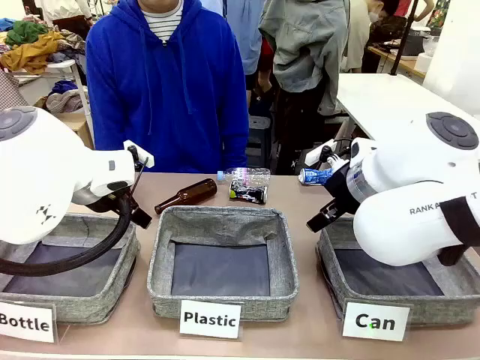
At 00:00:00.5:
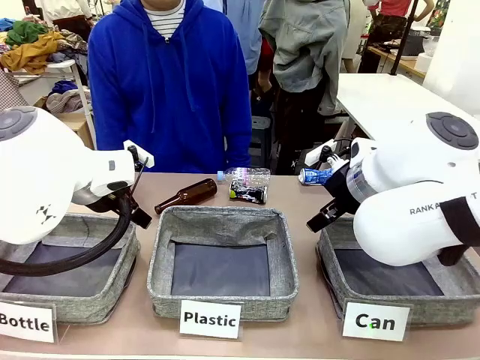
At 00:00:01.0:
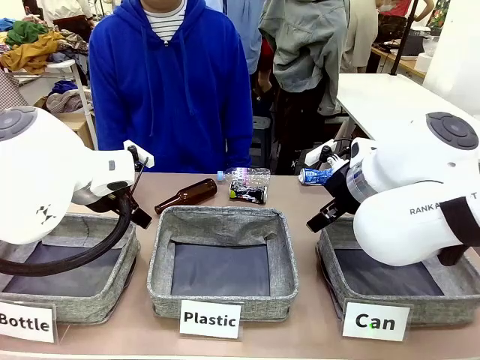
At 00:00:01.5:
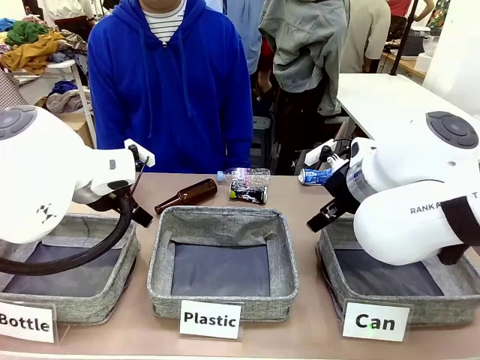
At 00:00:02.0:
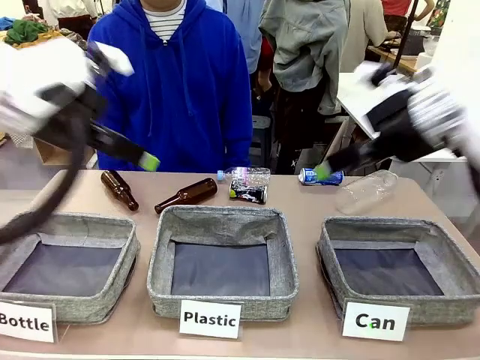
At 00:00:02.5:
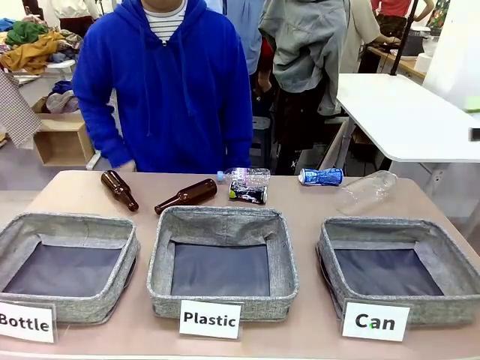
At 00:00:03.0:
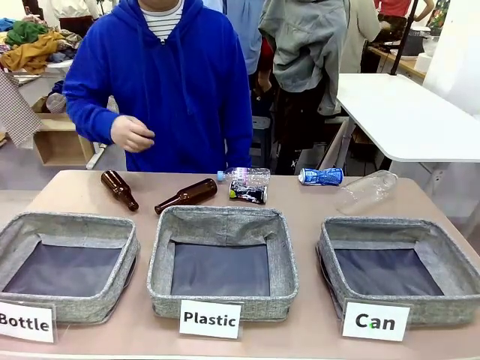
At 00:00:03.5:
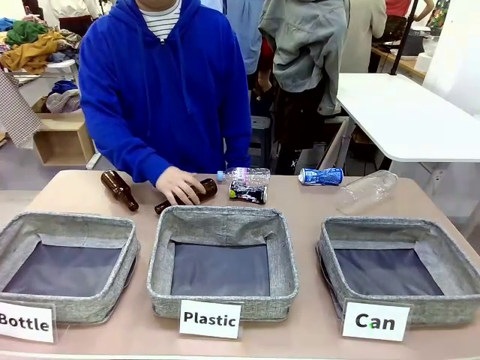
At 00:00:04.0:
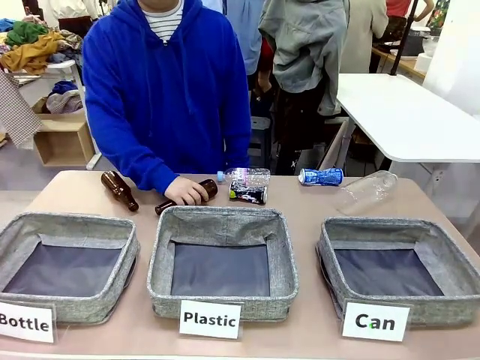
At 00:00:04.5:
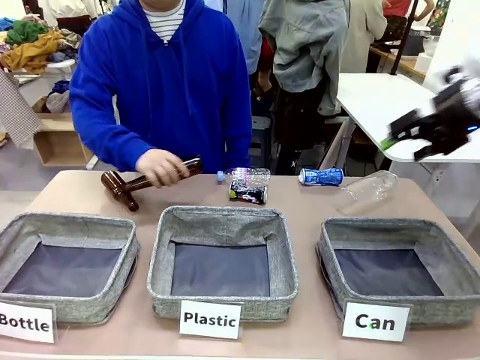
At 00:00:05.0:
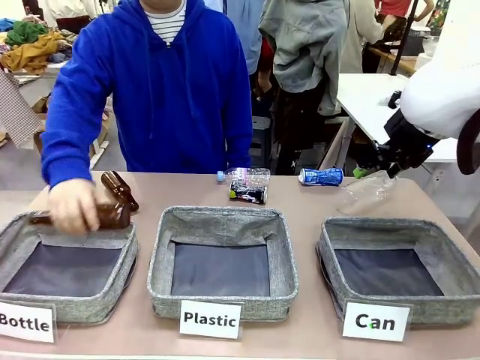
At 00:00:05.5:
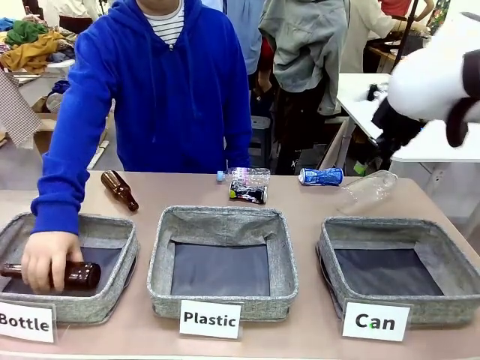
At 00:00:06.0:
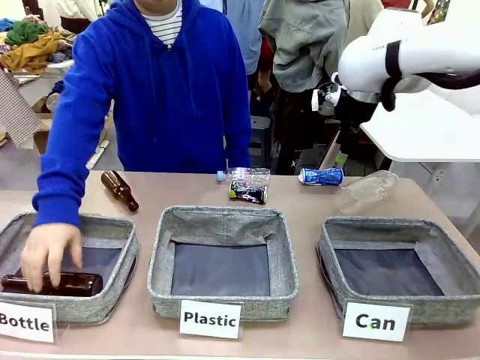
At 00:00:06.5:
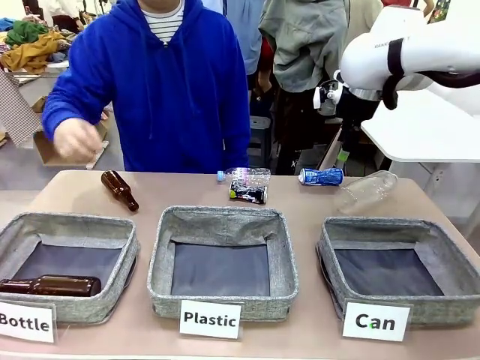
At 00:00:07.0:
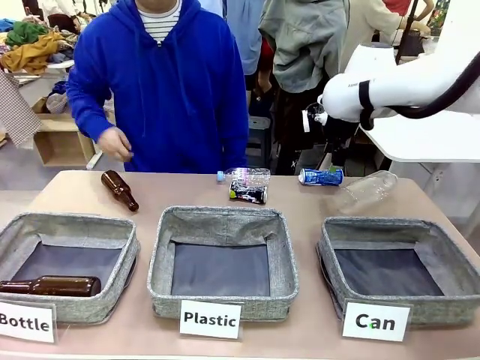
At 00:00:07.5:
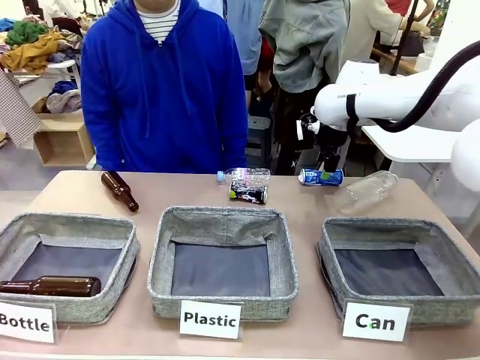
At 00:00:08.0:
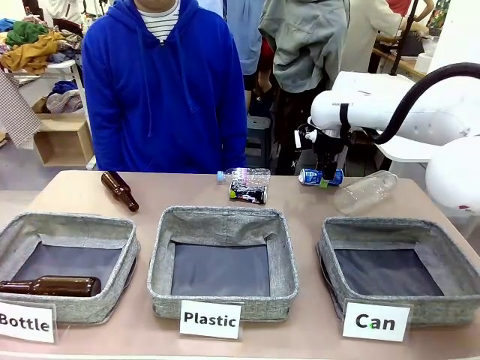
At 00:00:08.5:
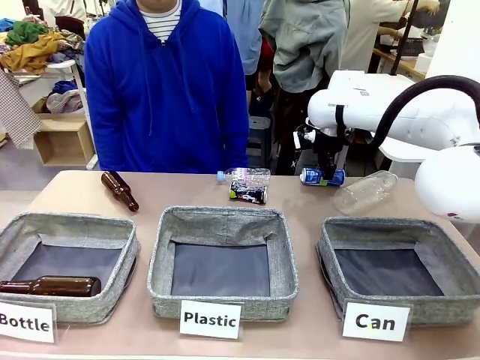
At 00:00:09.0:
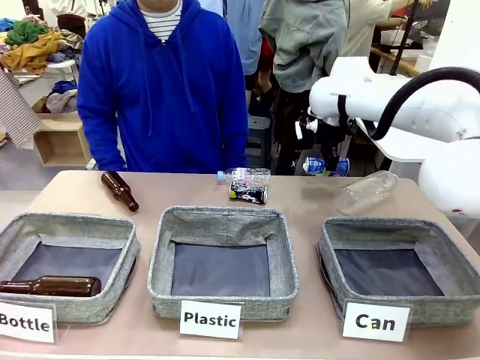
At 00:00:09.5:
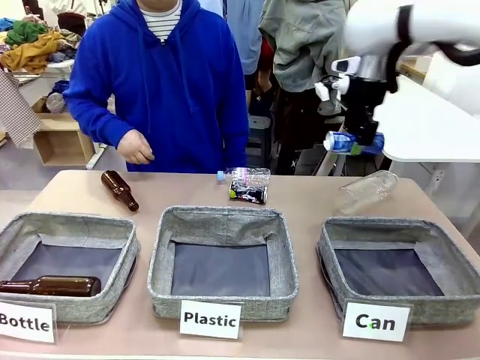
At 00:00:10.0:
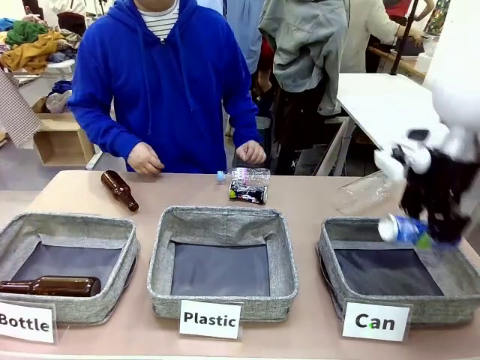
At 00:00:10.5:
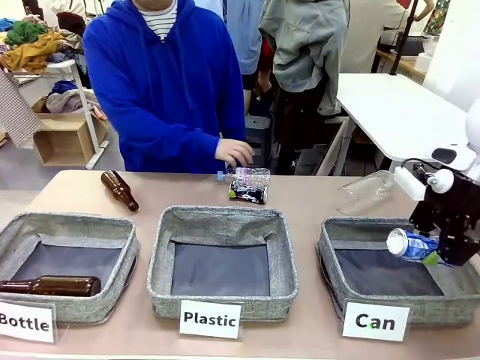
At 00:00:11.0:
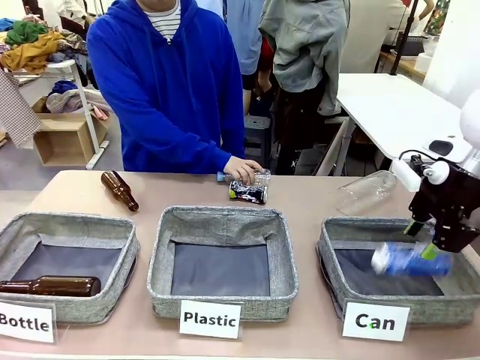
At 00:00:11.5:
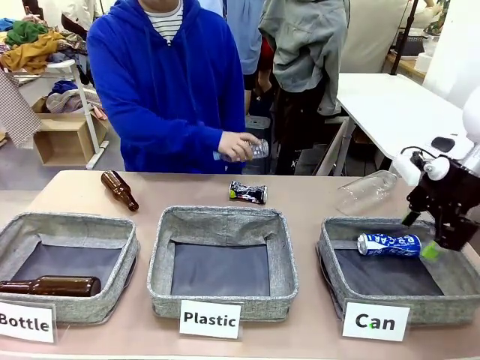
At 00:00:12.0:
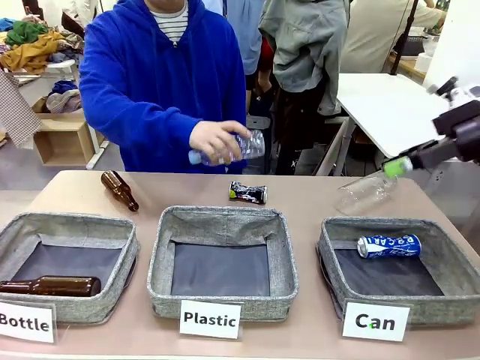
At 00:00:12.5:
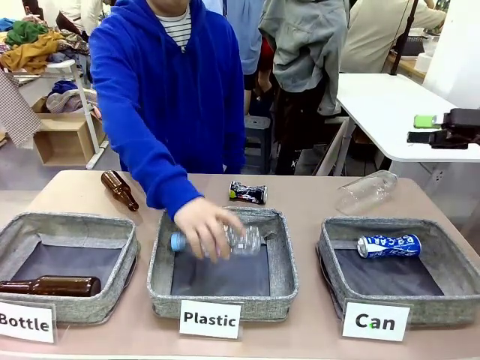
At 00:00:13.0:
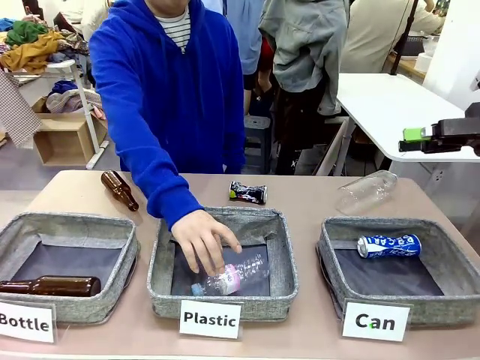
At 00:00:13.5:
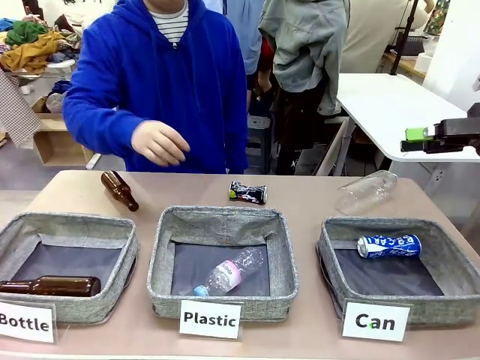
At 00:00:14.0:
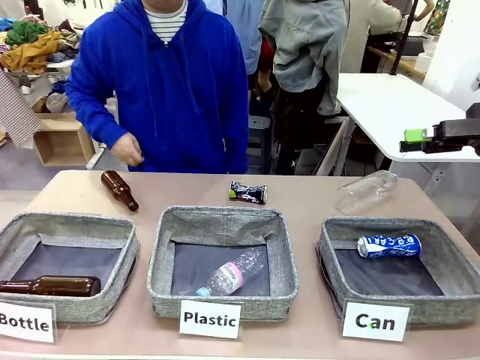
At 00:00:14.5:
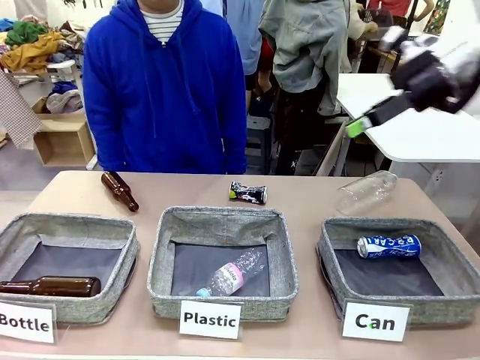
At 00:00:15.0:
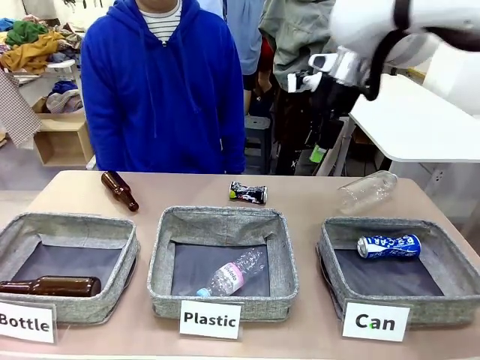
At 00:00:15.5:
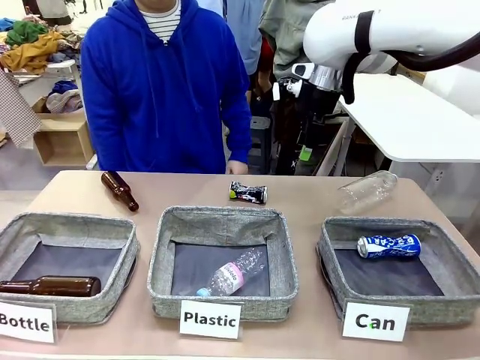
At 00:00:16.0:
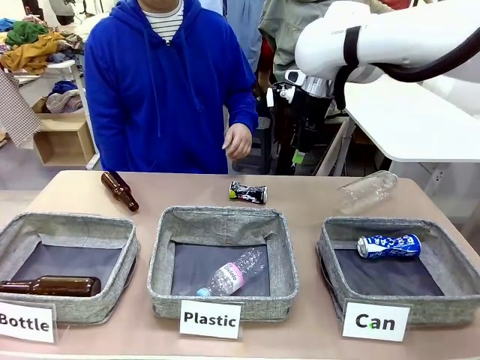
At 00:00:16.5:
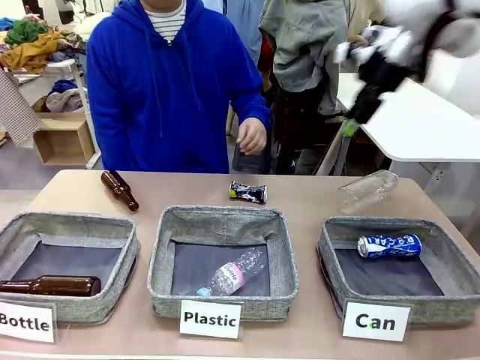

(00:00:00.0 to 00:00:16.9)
Task: Sort the can waste into the basket.
Robot: Pick up the can waste from the table and place it in the right Fabric basket.

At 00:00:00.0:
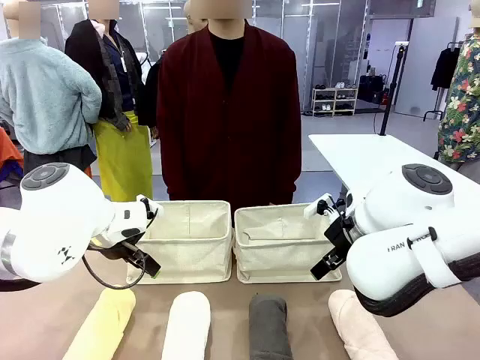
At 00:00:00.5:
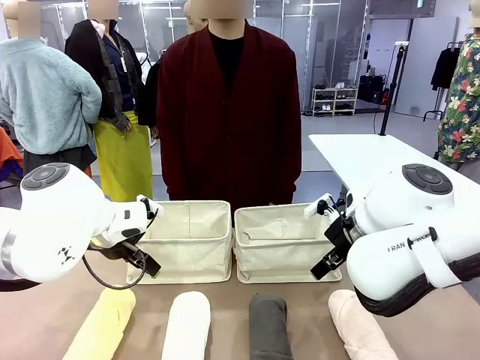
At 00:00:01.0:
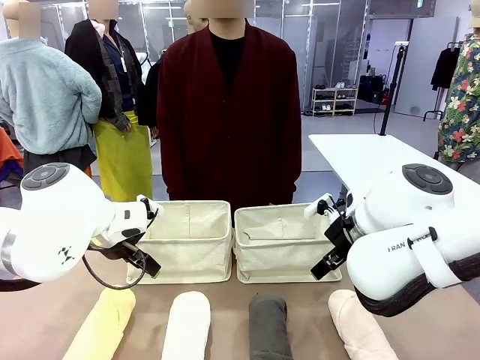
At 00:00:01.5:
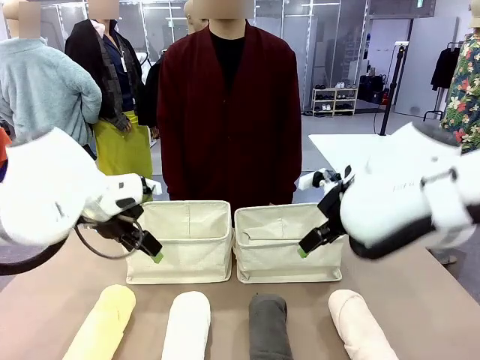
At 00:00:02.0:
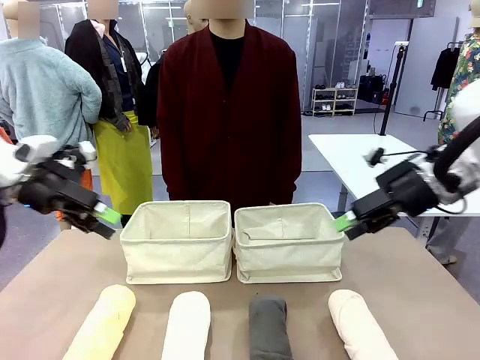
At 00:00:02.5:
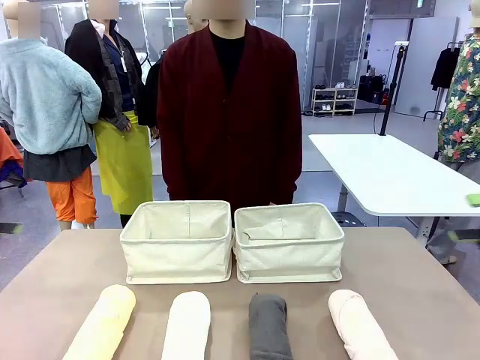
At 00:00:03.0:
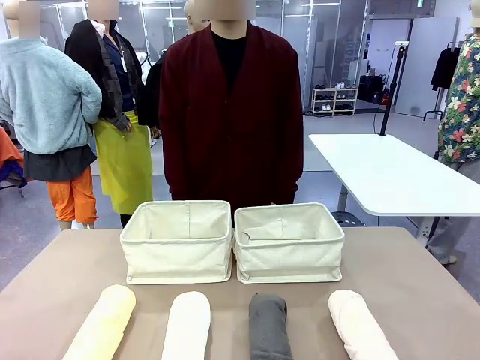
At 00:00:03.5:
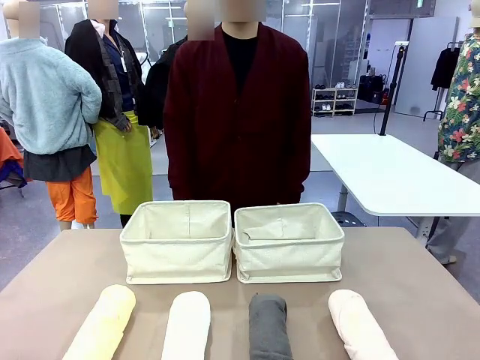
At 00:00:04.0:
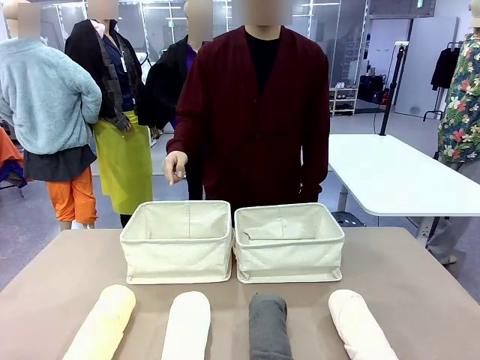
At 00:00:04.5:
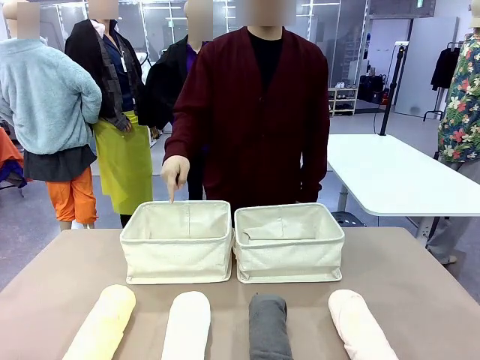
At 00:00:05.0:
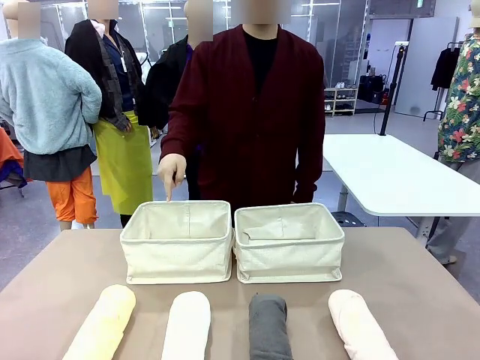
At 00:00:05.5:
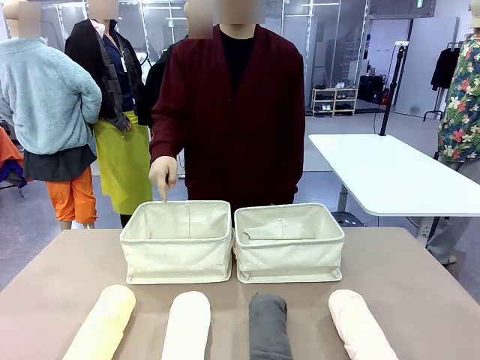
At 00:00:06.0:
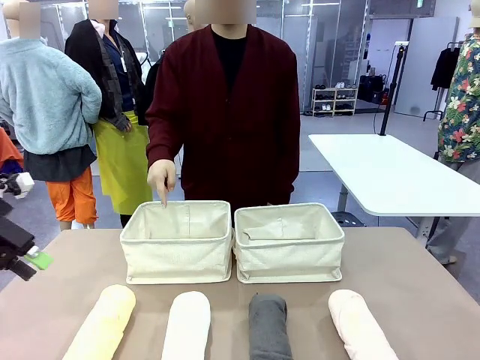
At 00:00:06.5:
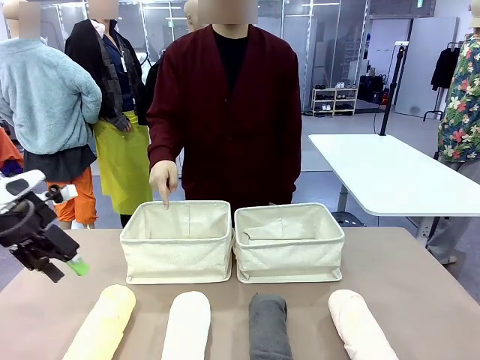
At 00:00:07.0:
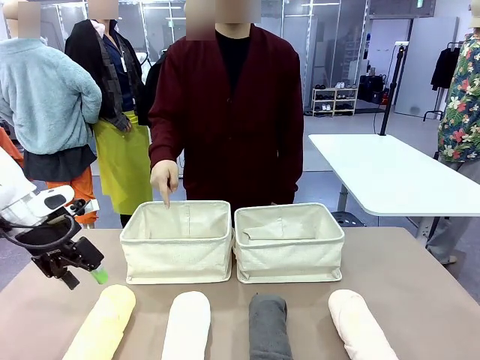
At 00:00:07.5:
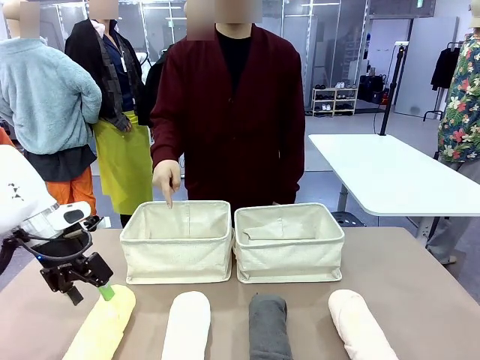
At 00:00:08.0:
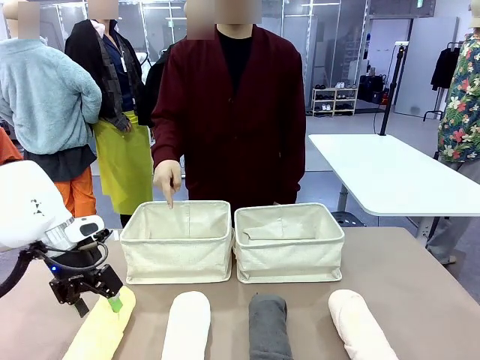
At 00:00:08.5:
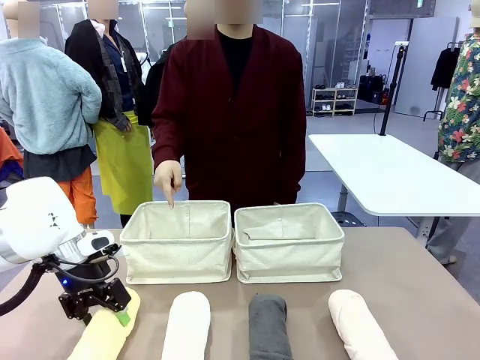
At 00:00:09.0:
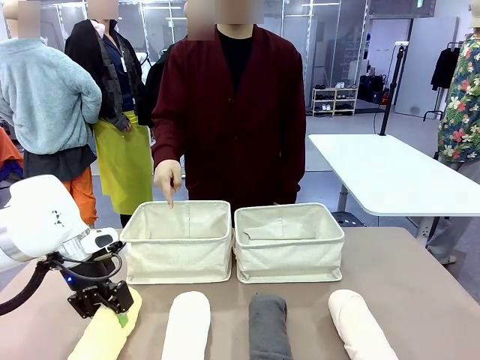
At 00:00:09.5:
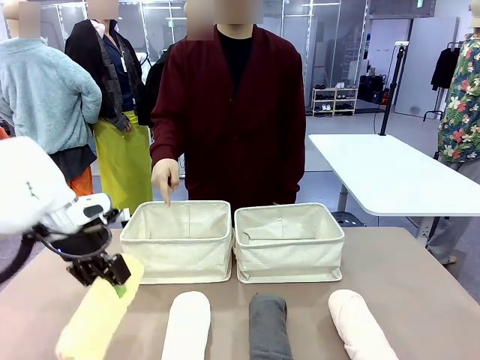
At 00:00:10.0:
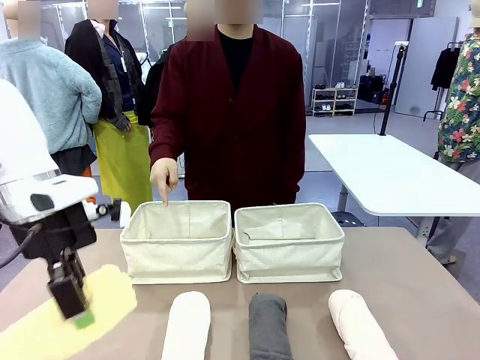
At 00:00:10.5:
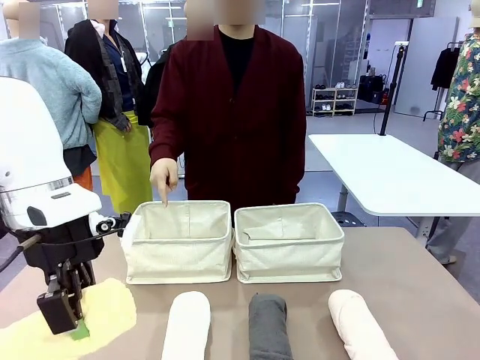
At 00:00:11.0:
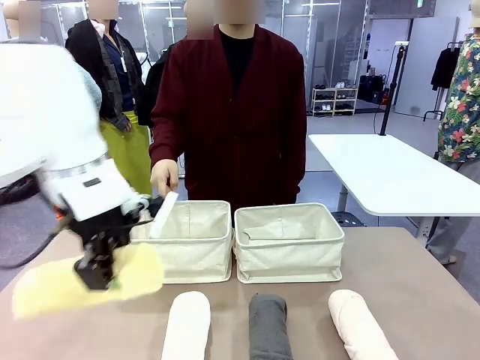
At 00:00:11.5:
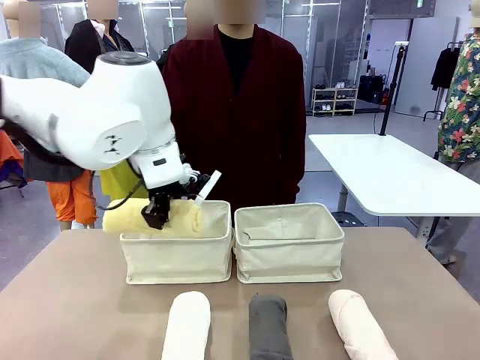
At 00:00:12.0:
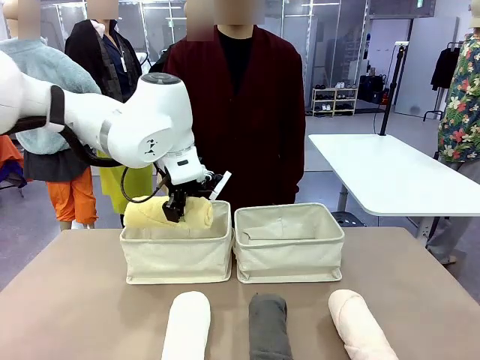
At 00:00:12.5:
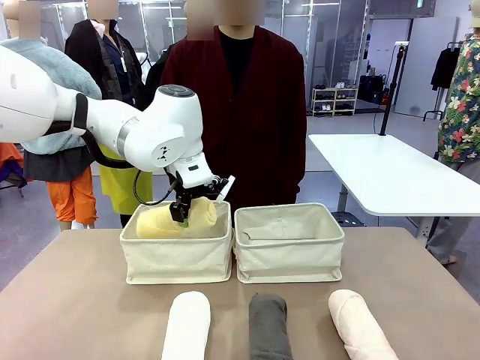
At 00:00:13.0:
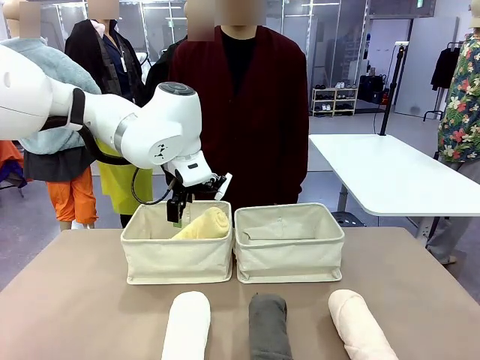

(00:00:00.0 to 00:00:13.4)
Task: Divide the towels into two baskets.
Robot: Pick up one hotel-folded towel and place it in the Fabric basket indicated by the person.
